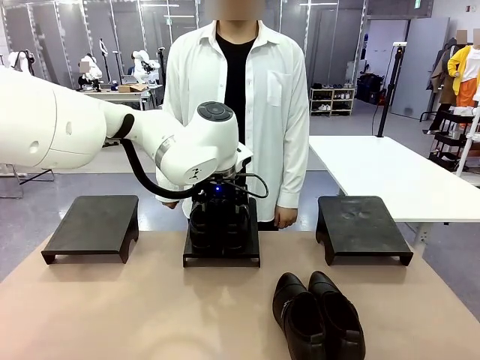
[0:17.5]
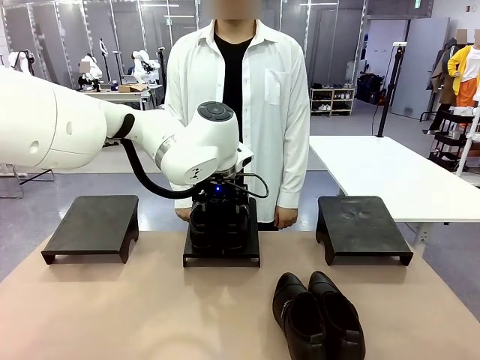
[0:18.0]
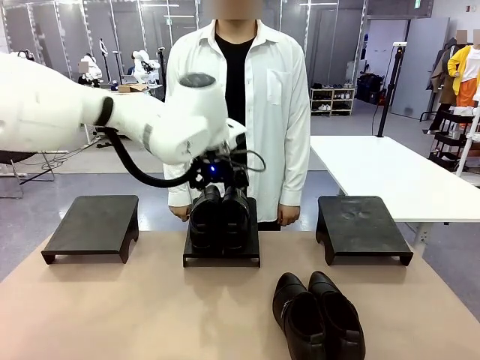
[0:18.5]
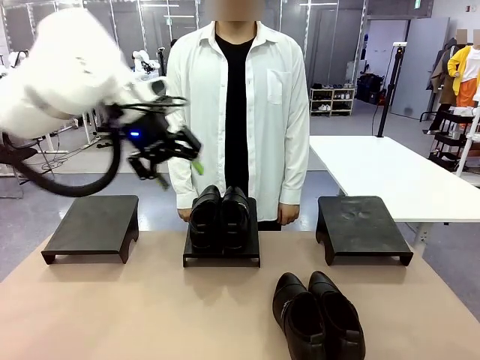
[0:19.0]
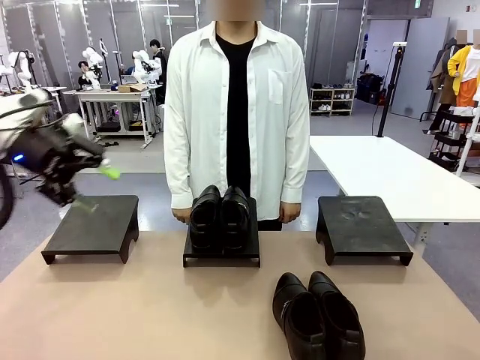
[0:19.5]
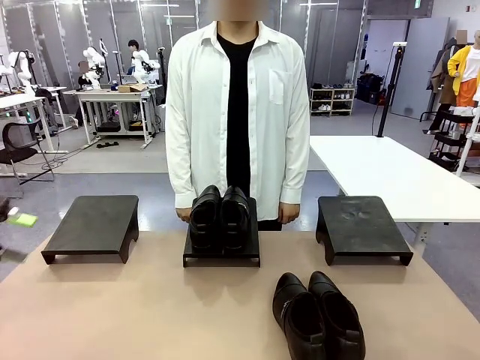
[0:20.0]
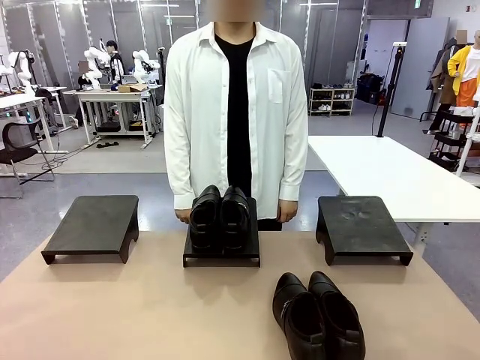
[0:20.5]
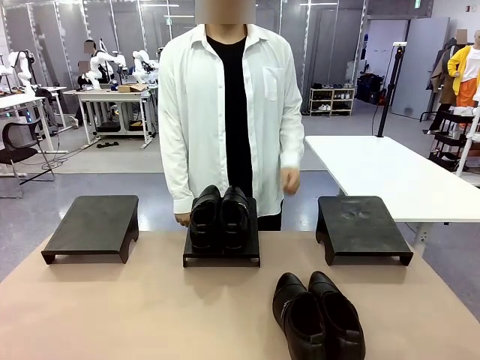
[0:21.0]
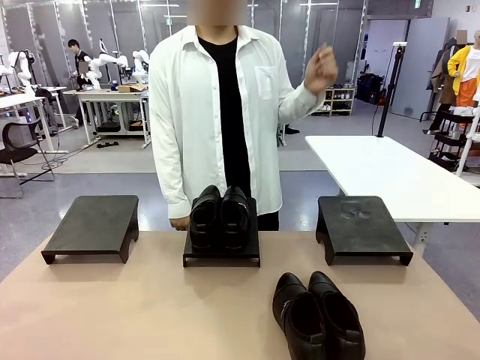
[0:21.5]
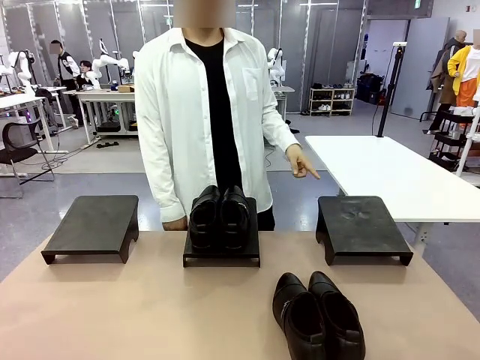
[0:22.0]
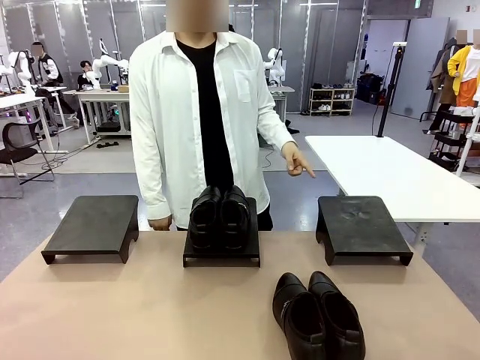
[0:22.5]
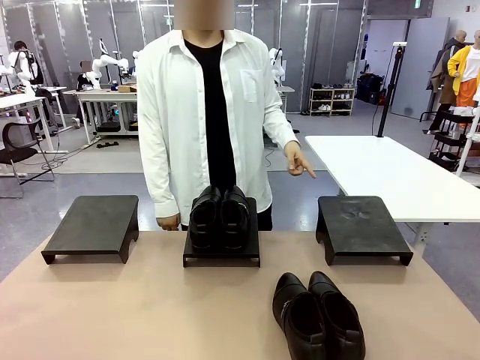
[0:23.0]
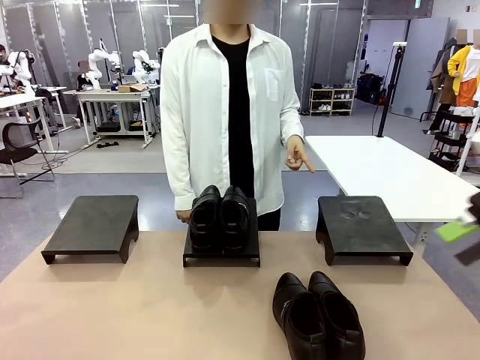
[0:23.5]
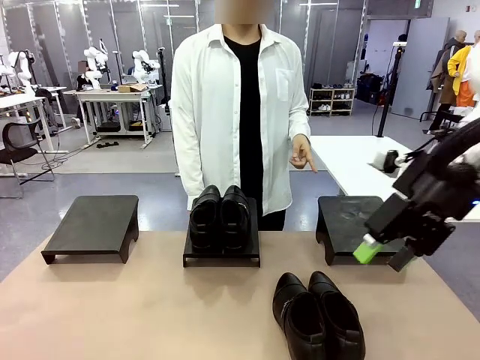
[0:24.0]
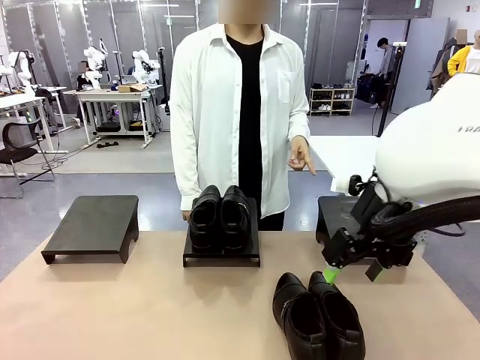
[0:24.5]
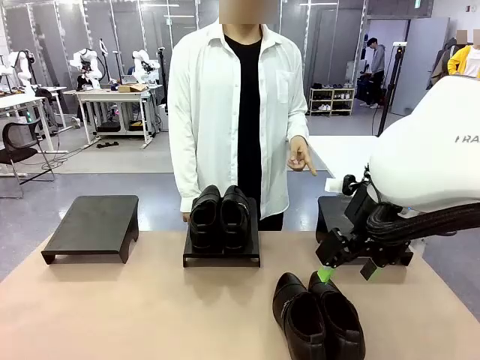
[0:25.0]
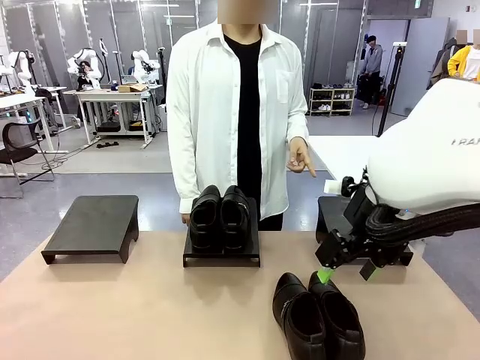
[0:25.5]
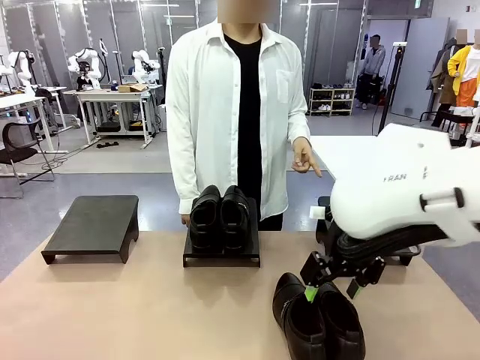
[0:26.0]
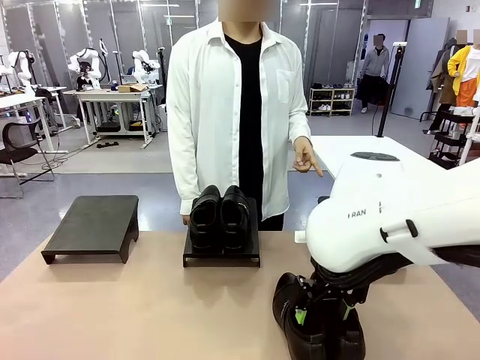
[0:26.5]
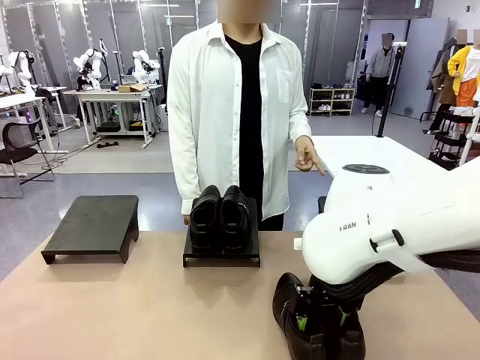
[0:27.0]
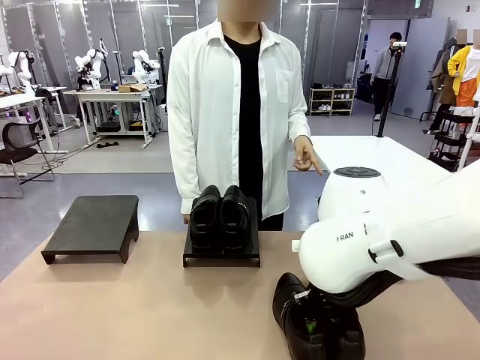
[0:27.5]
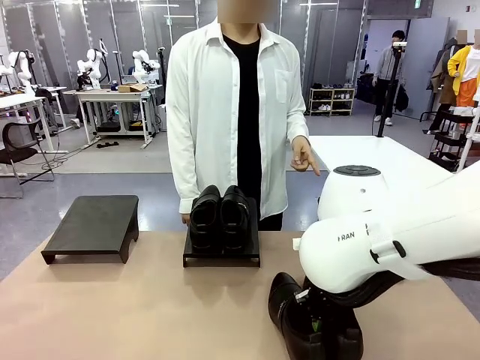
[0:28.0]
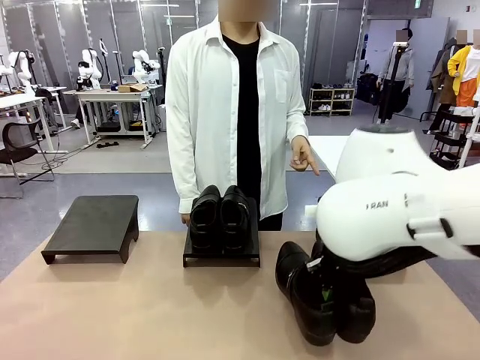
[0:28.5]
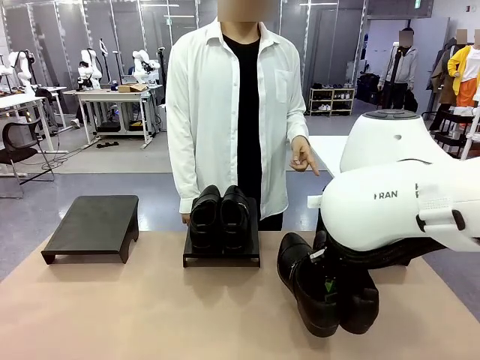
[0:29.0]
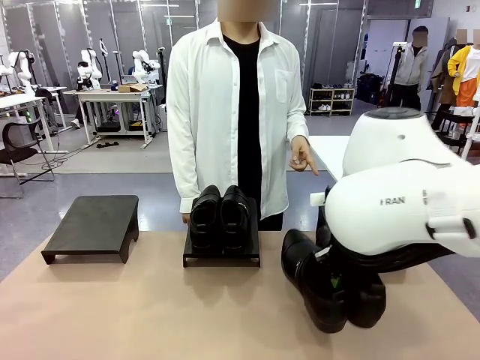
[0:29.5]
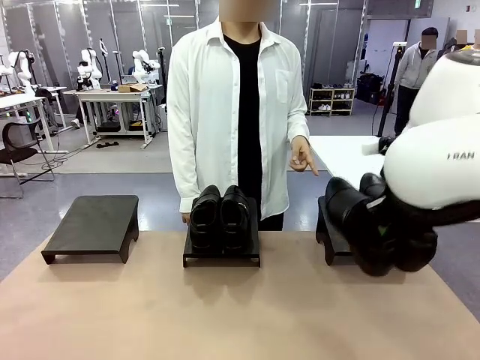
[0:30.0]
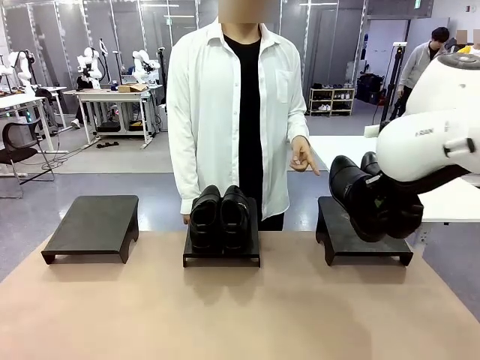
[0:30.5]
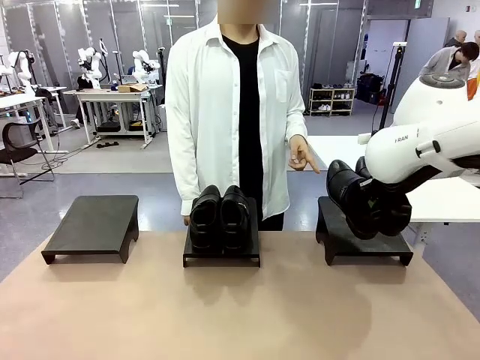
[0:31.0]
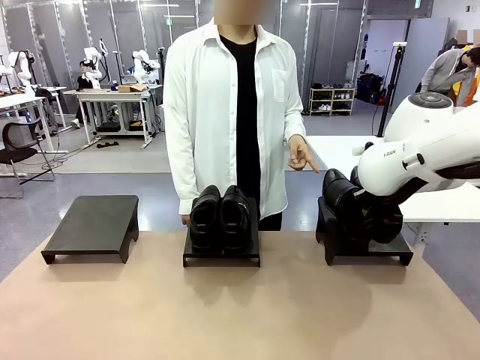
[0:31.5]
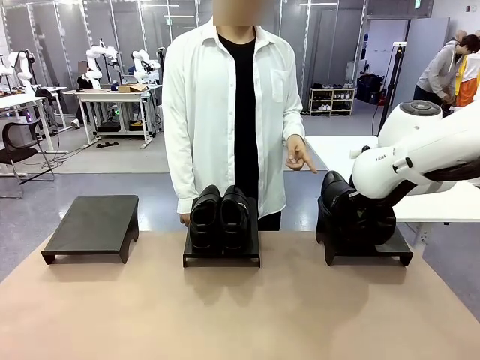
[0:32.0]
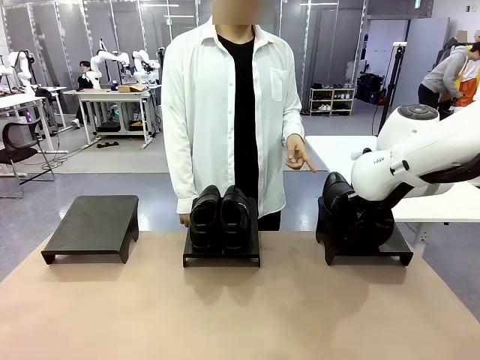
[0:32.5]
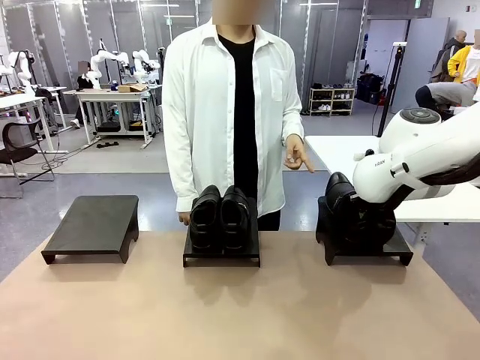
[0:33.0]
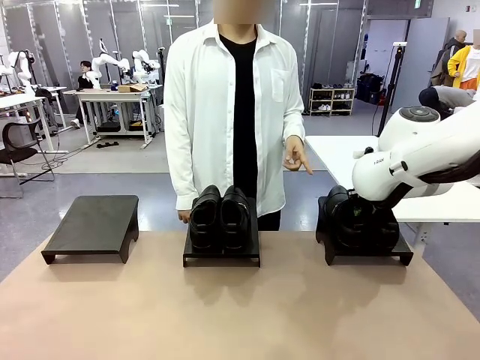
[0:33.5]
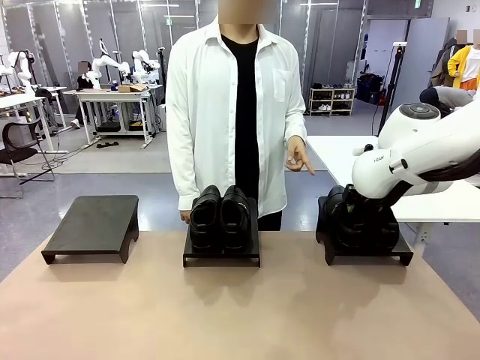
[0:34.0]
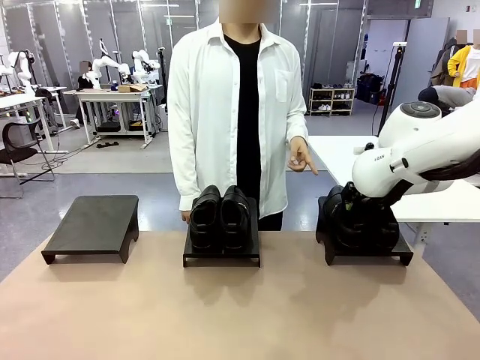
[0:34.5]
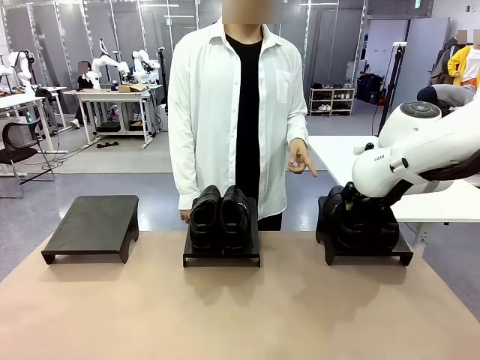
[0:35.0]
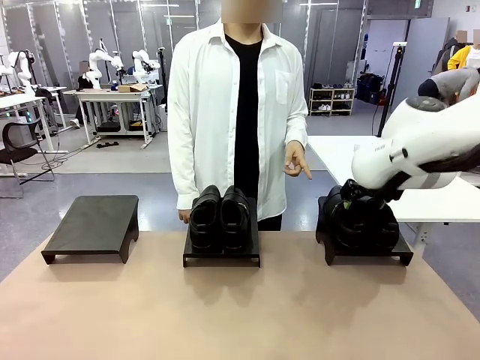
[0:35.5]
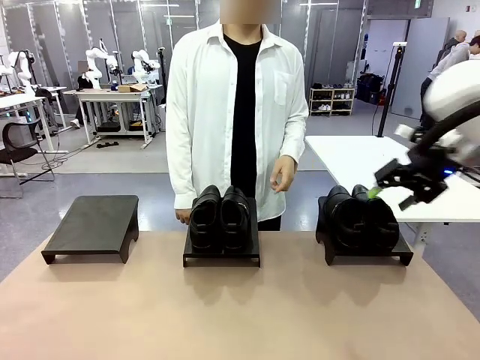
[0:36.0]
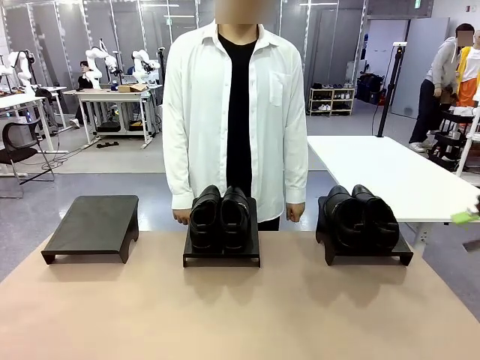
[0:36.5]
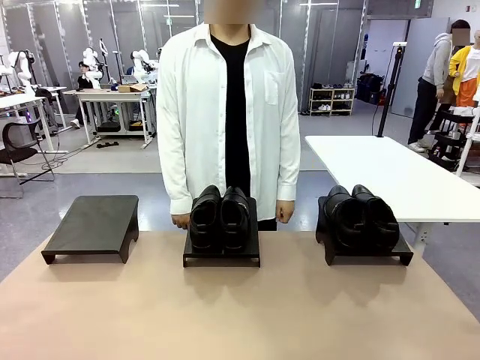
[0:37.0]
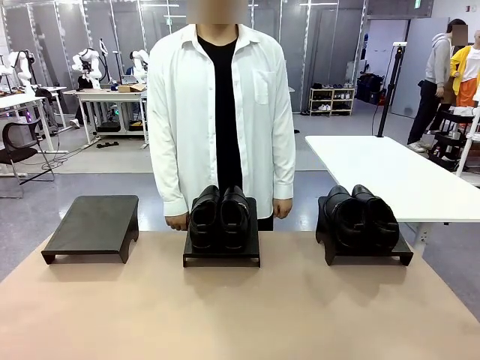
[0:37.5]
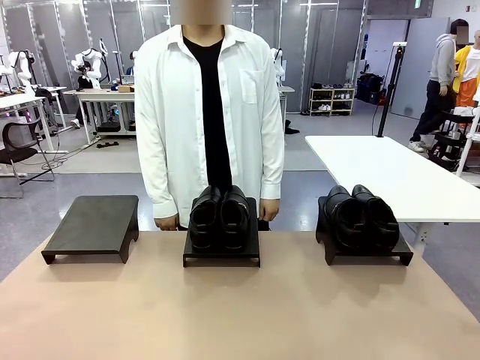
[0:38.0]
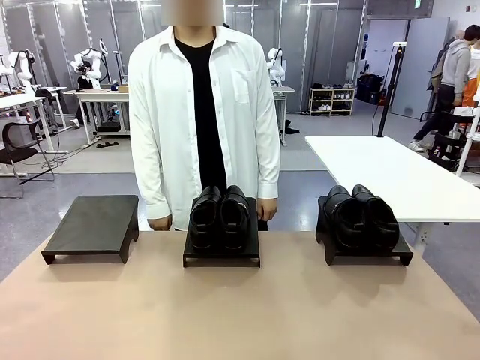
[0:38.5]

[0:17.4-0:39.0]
Task: Place the shoes on the stand as instructed by the person.
Robot: Pick up another pair of Shoes and place it on the Shoes Stand indicated by the person.
Person: Point to one Shoes Stand.

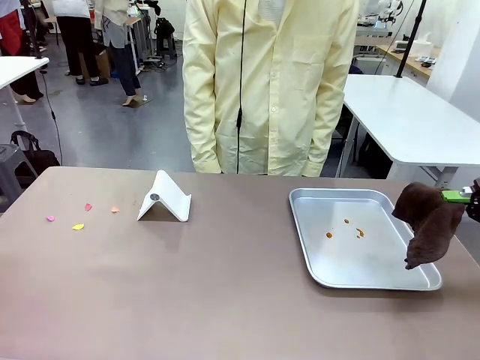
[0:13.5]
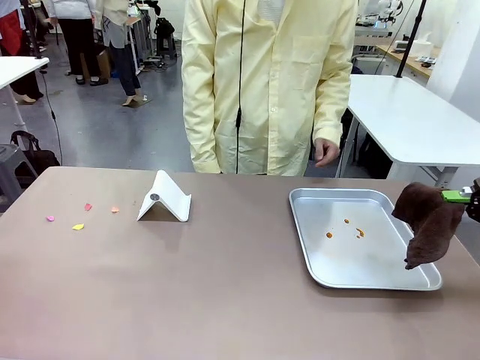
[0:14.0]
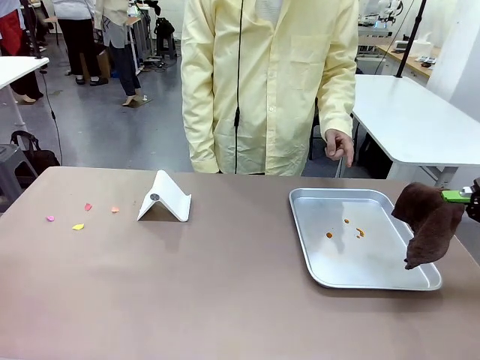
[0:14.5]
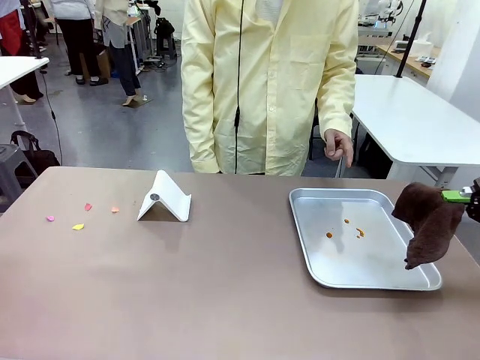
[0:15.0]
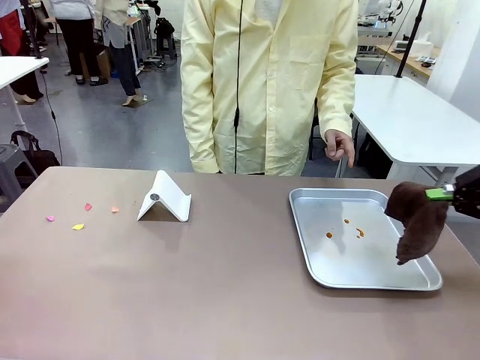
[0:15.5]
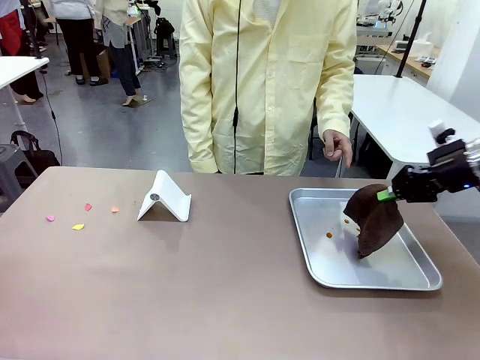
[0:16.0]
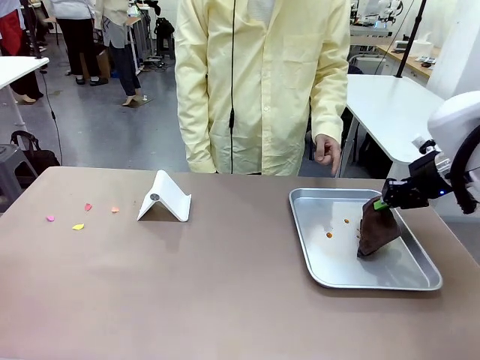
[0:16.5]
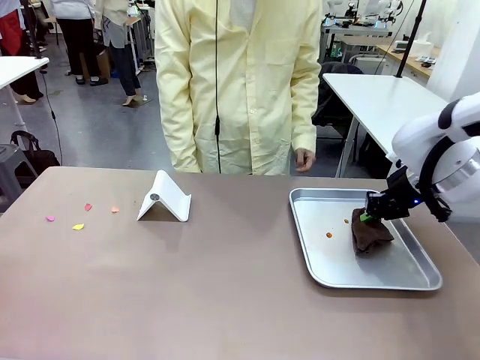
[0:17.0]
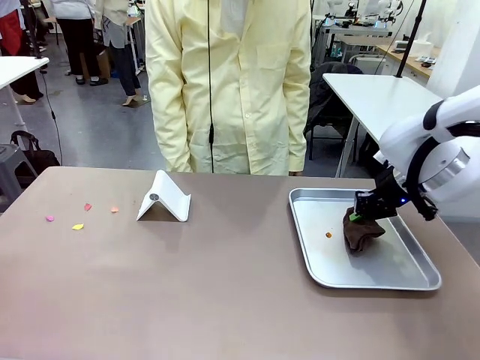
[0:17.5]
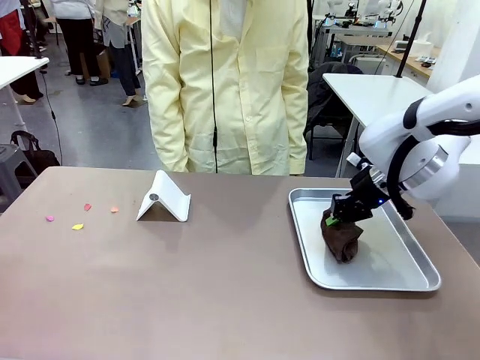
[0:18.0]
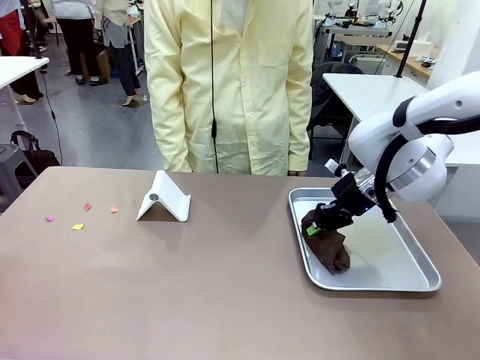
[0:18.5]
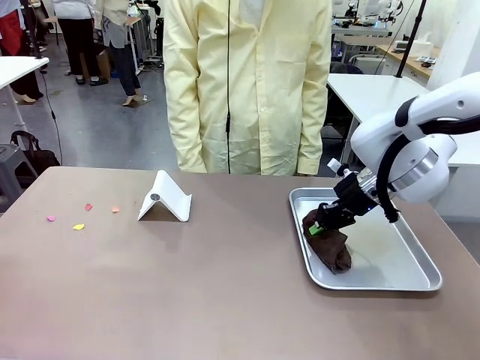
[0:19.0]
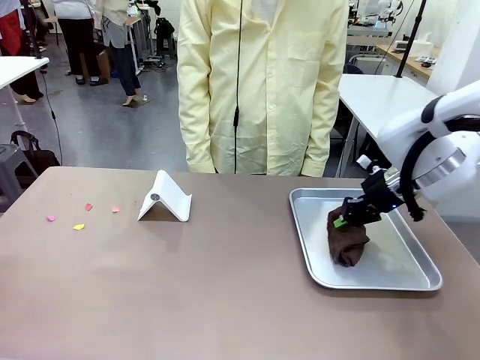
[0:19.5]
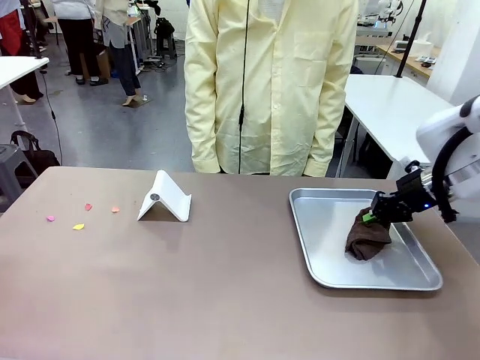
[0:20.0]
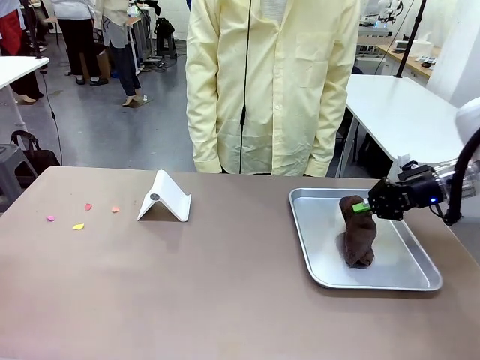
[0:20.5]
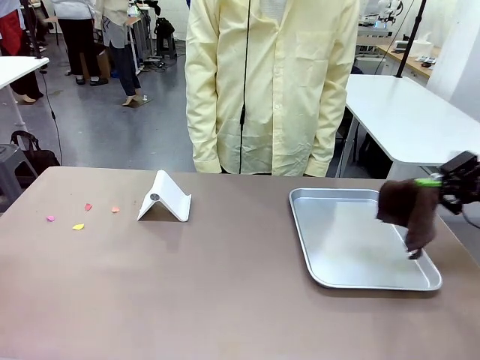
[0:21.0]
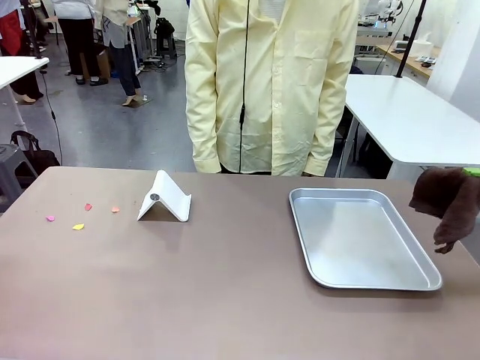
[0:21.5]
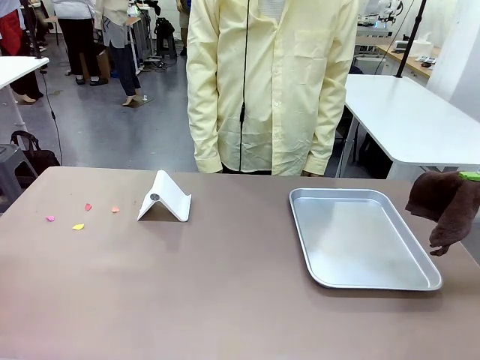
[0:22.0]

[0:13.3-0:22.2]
Task: Clean the surface of the table.
Robot: If a person points to the right, clean the right side of the table with your right hand, and if they point to the left, clean the left side with your left hand.
